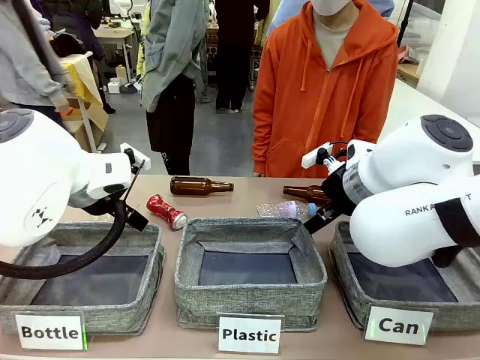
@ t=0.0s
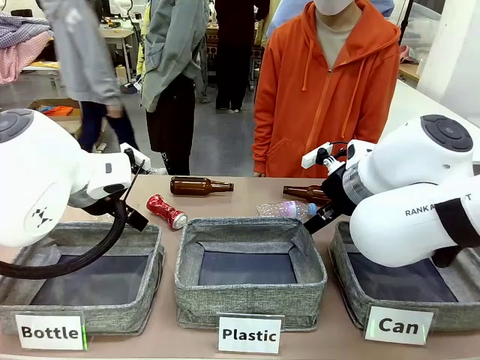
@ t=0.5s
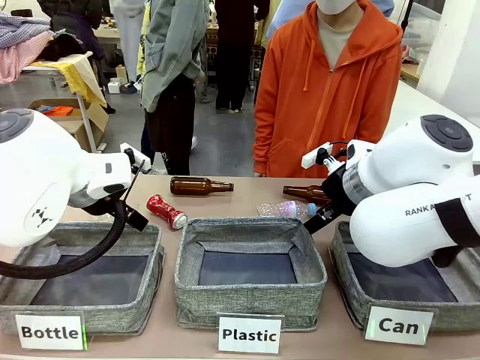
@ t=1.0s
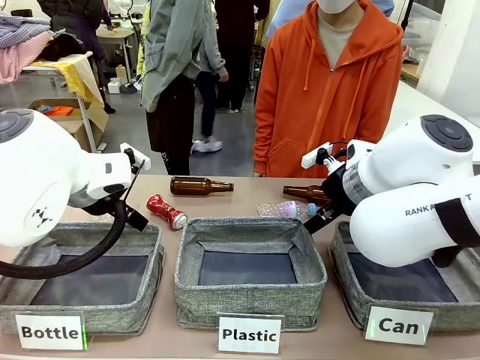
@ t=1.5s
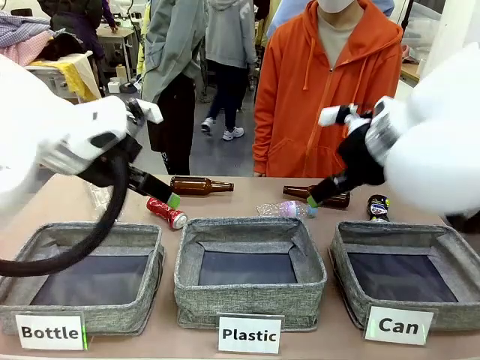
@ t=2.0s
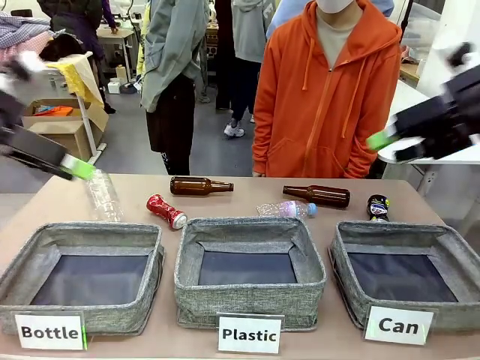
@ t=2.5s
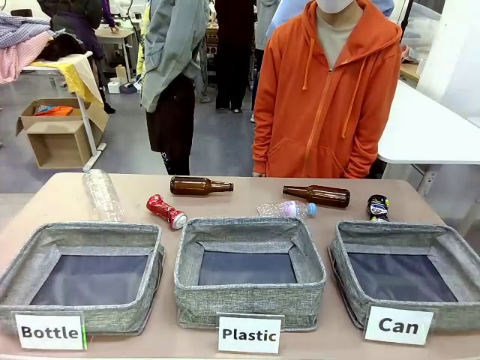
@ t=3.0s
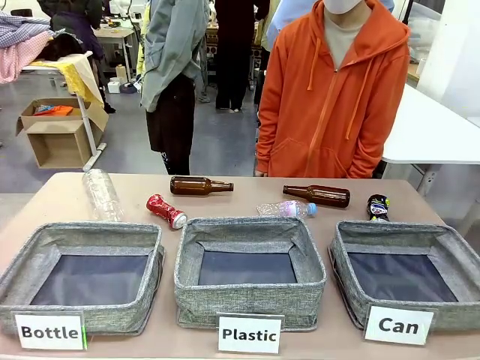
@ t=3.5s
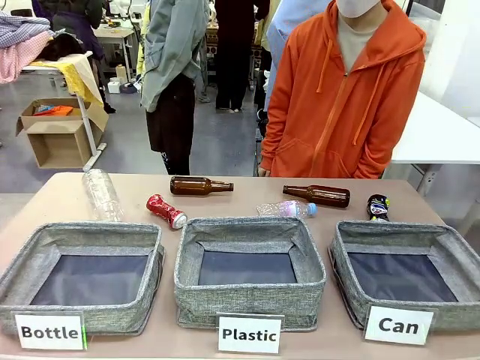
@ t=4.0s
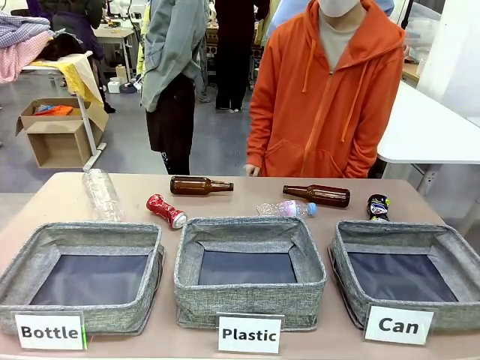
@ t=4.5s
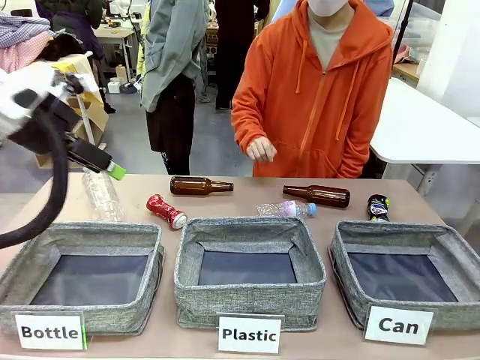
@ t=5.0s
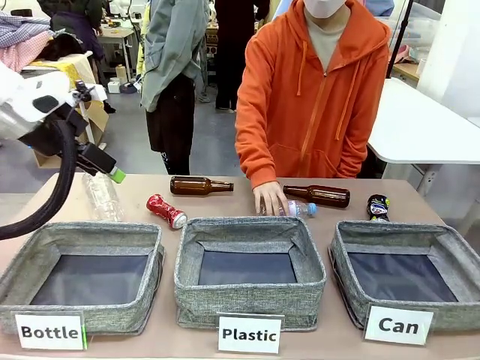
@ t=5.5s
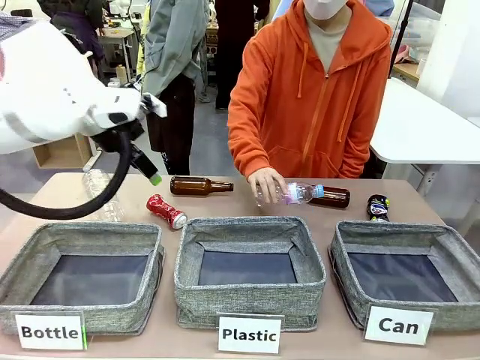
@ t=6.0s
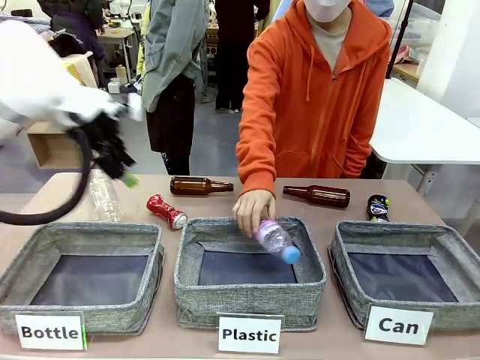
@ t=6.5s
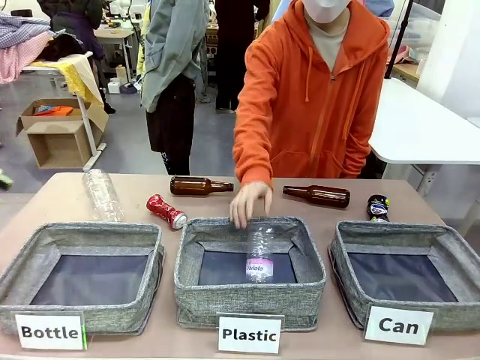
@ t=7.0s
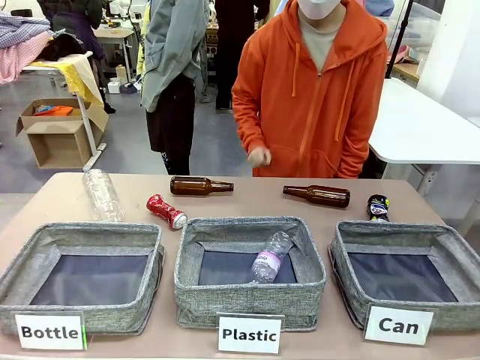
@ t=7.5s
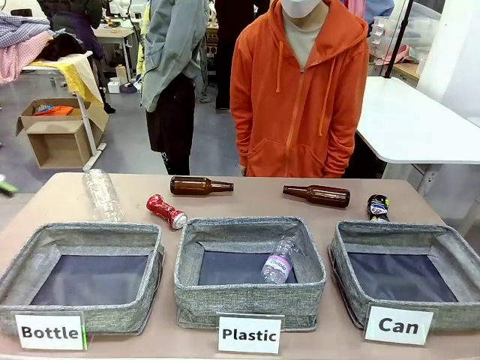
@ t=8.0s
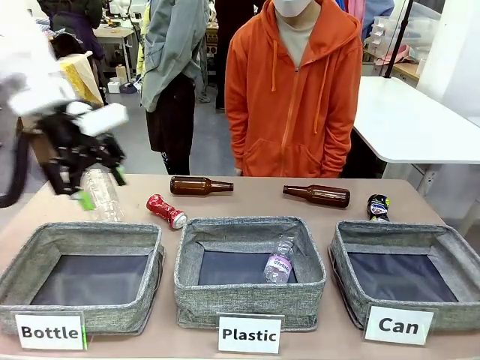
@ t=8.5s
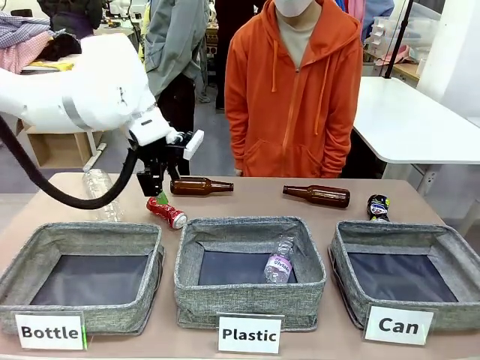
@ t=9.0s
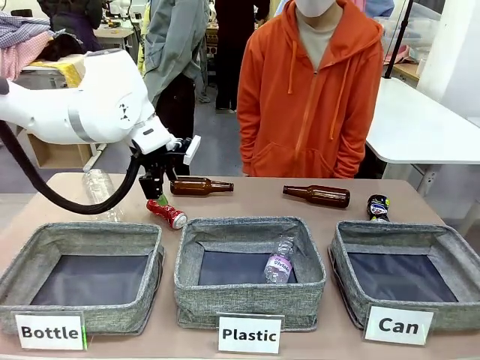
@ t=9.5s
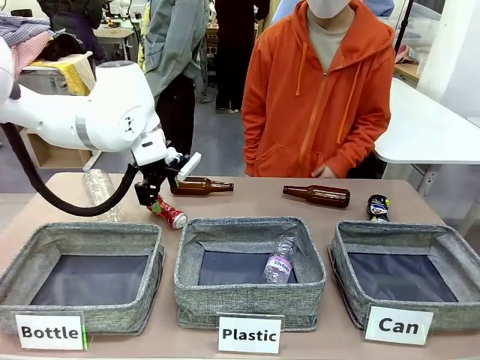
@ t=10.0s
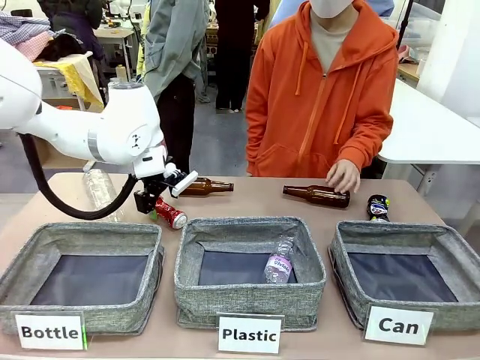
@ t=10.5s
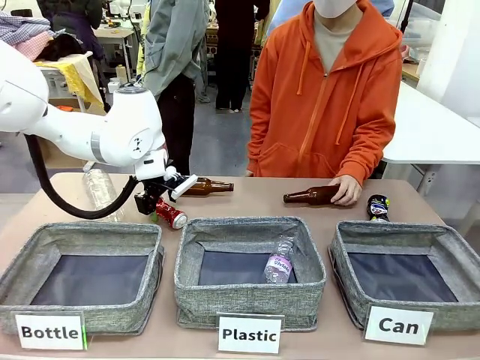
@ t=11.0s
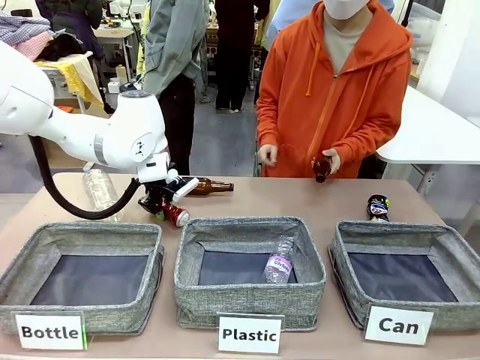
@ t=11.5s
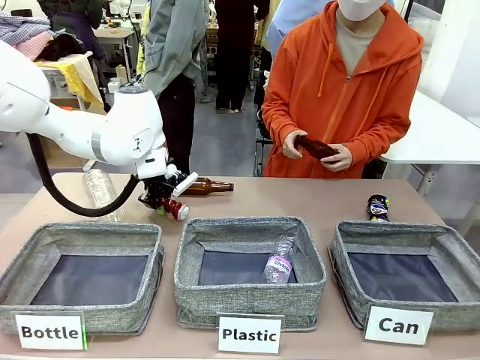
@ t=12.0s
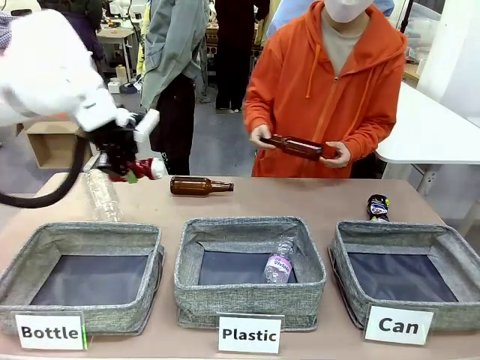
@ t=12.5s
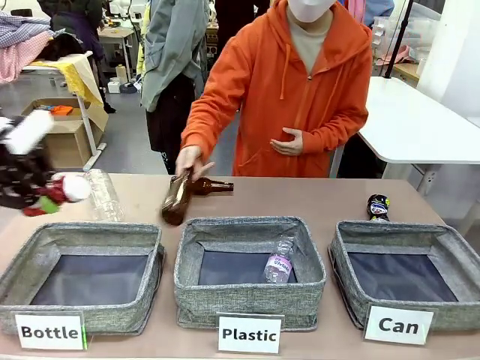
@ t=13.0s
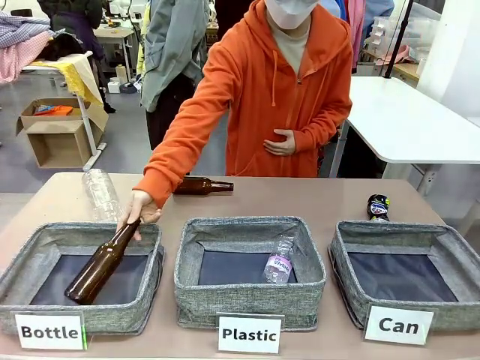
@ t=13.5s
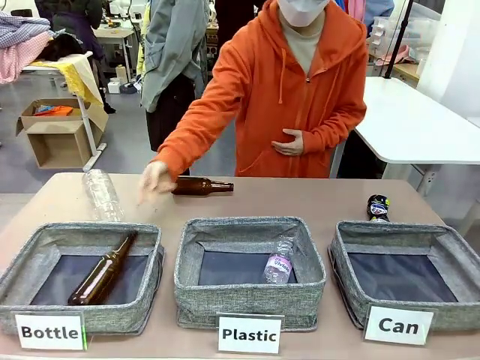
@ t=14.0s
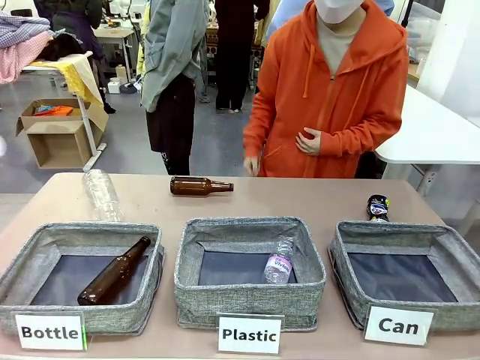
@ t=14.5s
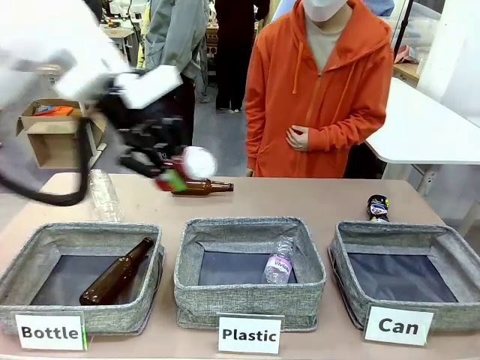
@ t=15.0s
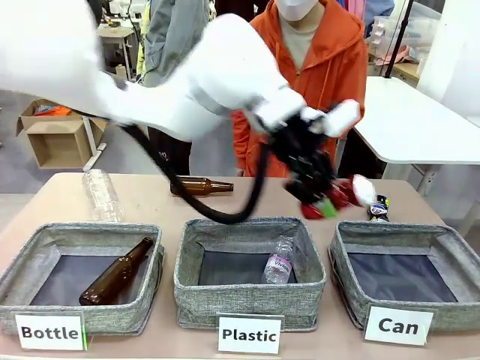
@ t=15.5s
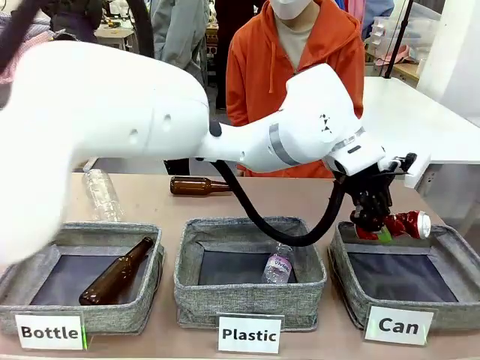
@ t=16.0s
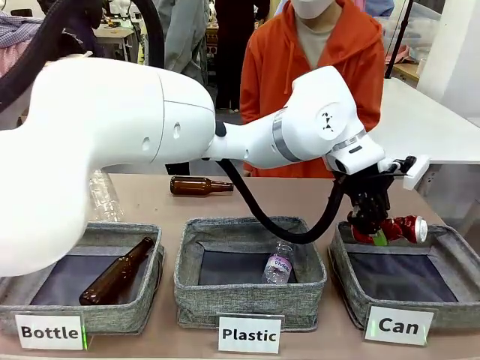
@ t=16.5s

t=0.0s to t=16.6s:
Task: Sort the can waste into the basket.
Robot: Pick up the can waste from the table and place it in the right Fabric basket.
